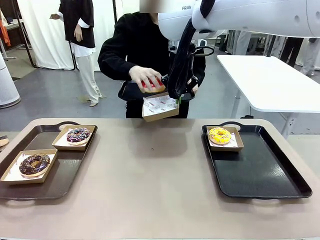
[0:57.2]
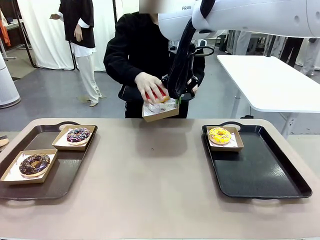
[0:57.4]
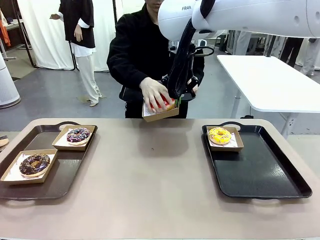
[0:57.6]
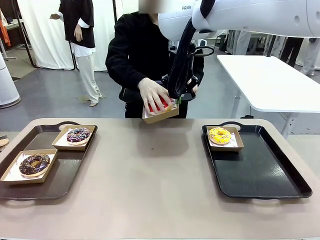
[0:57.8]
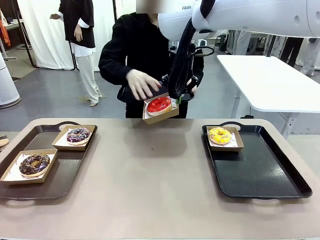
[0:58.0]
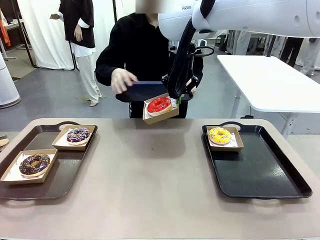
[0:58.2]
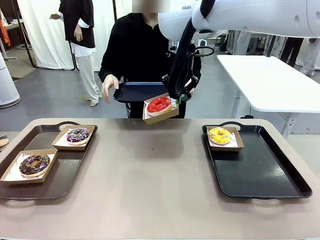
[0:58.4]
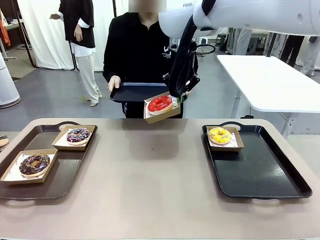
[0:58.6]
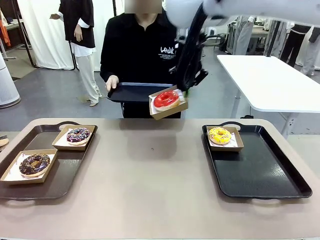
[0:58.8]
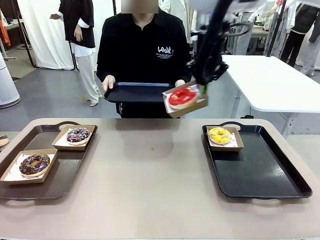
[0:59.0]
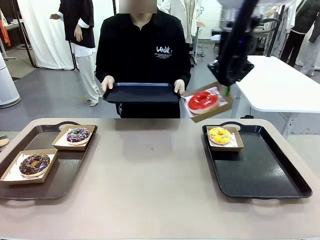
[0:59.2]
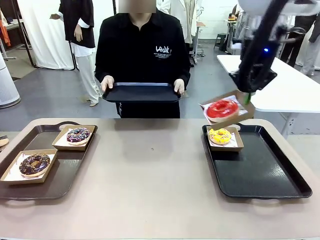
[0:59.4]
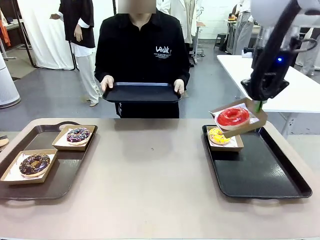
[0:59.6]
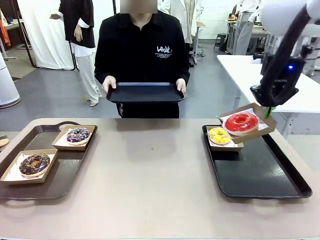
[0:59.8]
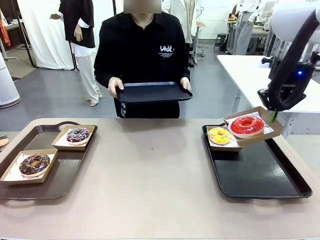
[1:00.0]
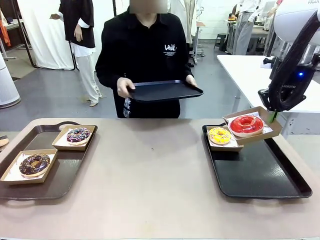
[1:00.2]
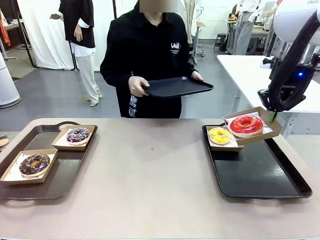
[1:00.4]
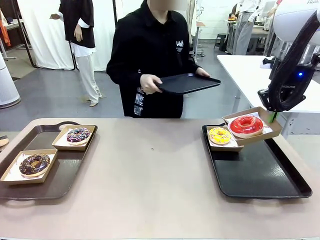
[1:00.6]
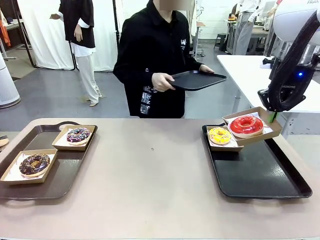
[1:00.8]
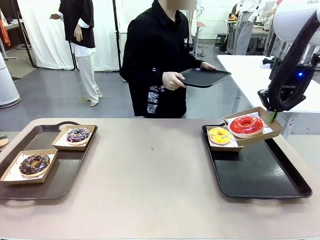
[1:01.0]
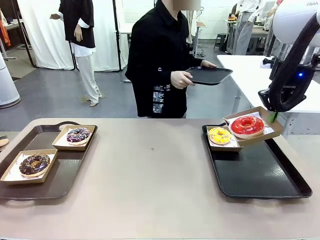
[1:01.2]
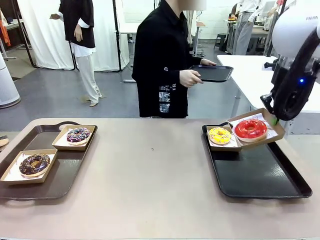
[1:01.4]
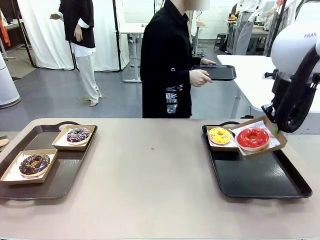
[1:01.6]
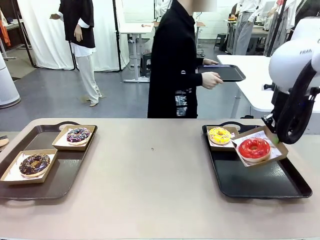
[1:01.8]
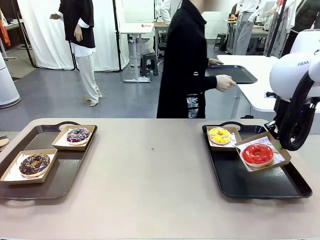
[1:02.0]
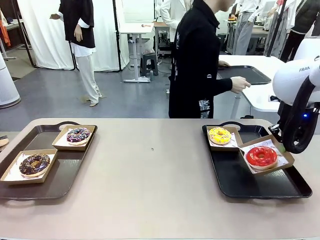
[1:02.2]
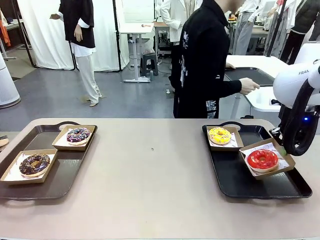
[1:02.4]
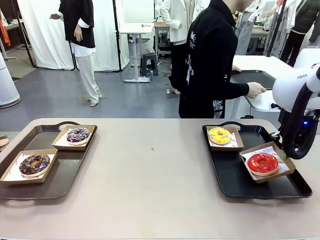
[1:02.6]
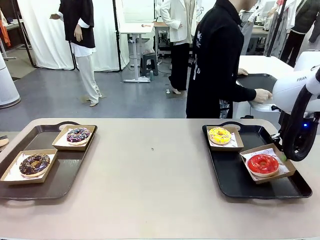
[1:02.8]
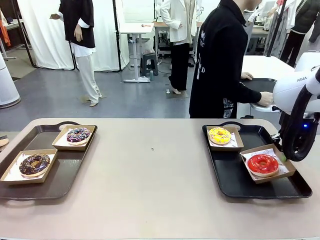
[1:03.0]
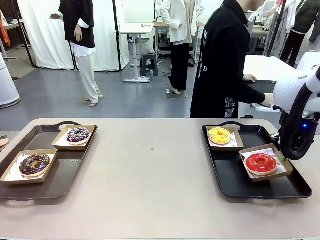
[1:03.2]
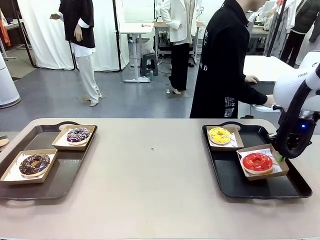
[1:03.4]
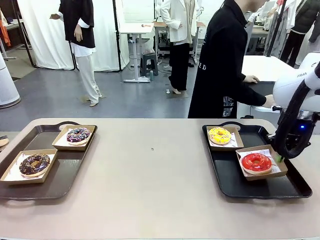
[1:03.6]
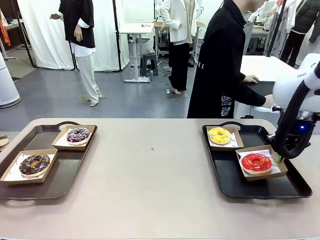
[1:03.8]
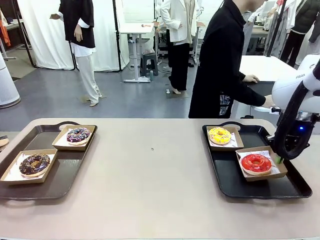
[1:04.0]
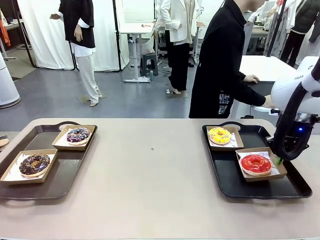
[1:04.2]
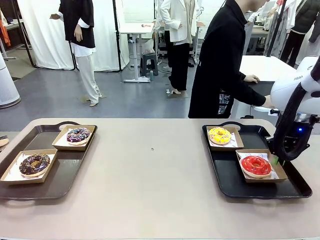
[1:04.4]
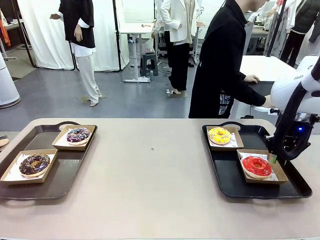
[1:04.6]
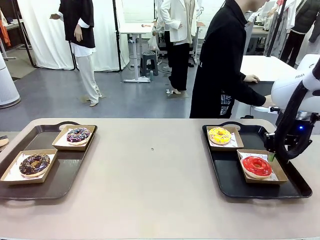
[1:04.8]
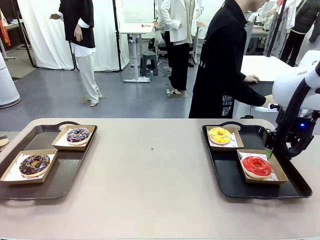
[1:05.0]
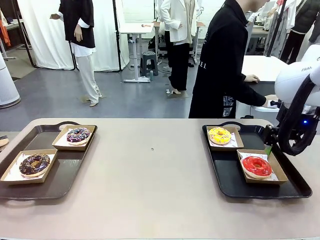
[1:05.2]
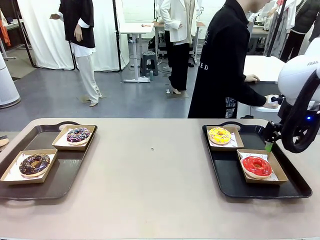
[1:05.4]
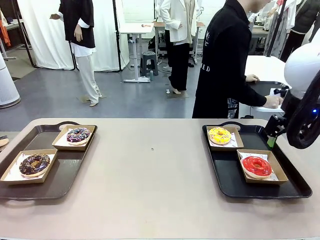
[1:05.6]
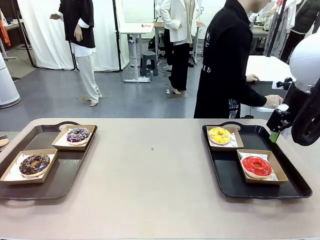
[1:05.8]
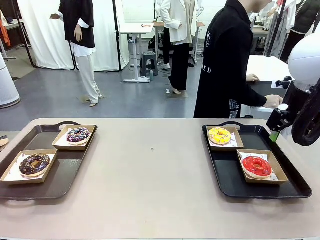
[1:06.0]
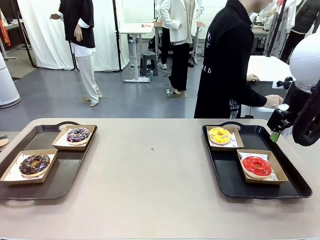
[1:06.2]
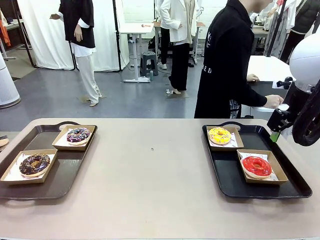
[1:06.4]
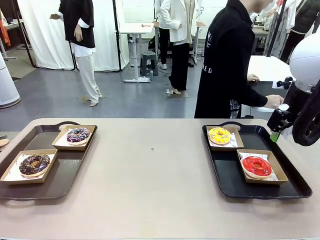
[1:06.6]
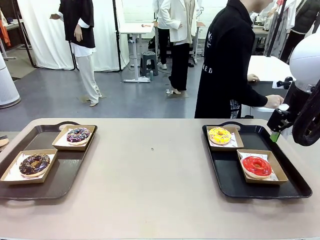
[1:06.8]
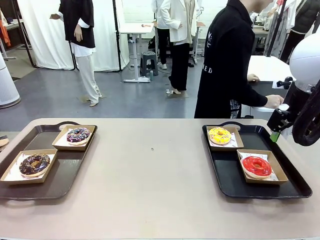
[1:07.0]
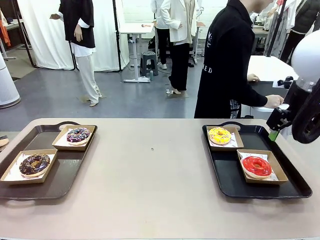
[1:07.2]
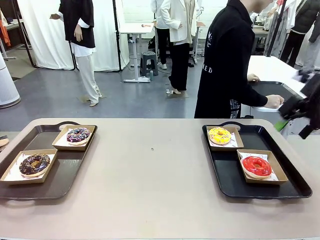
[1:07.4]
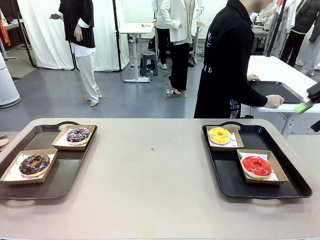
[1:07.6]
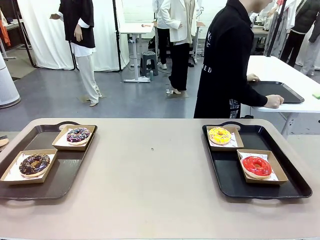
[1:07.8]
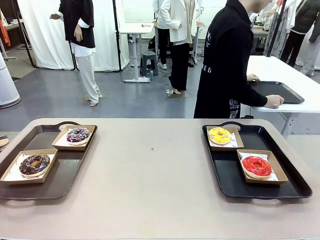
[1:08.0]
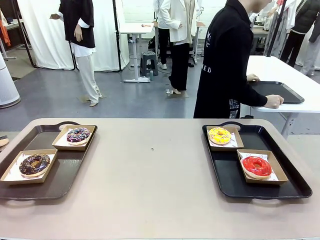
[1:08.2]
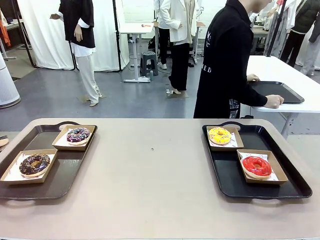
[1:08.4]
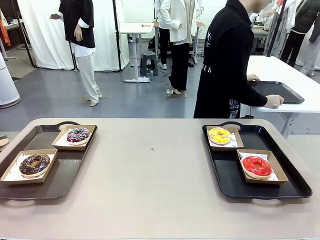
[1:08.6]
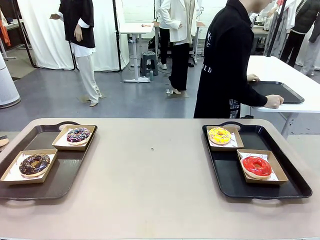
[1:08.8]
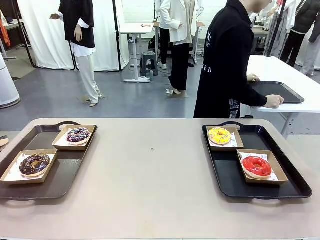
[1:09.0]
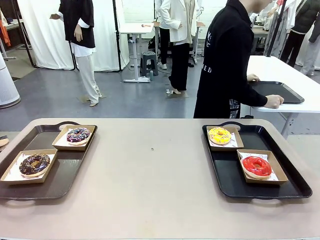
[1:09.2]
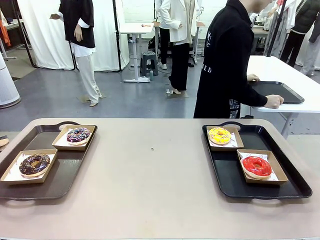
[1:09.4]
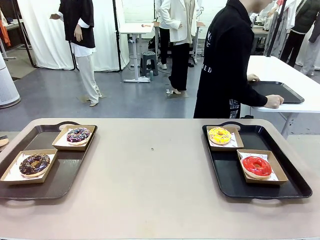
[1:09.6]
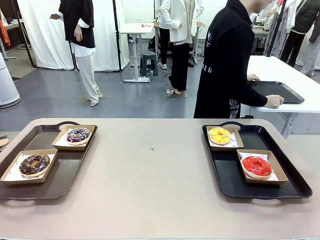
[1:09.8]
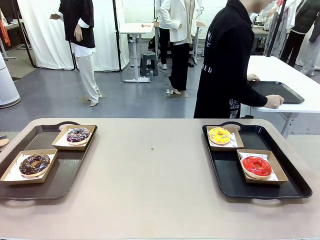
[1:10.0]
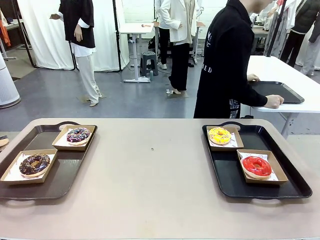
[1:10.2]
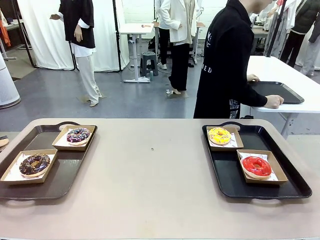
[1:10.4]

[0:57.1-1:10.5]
Task: Individually package the donuts and arrange them on the tray.
Robot: Place the picked Paper togo box on the Handle tray.
Person: Place the tray down in the middle of the human table.

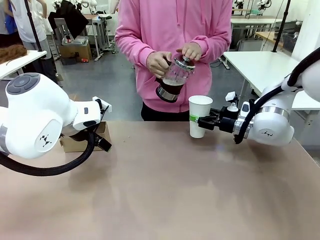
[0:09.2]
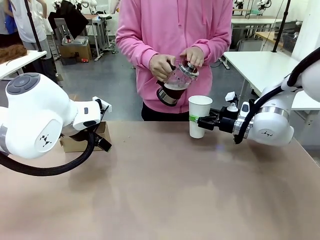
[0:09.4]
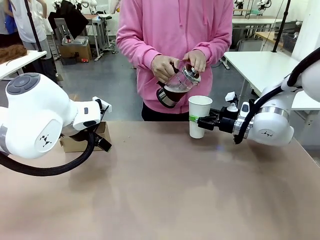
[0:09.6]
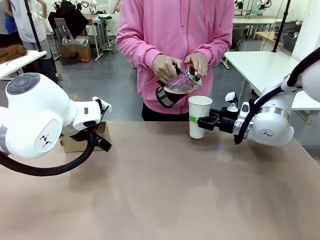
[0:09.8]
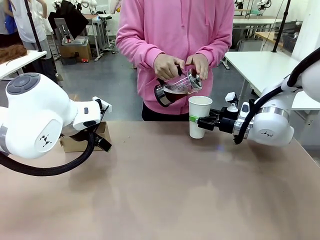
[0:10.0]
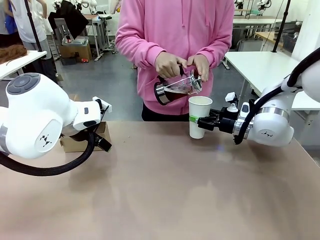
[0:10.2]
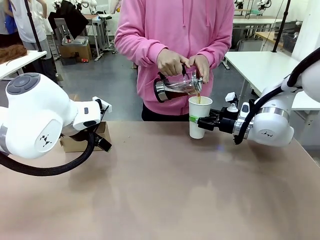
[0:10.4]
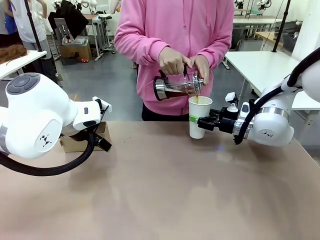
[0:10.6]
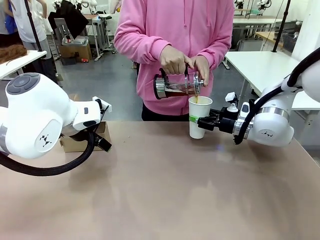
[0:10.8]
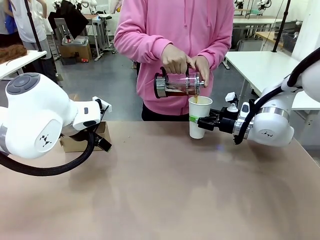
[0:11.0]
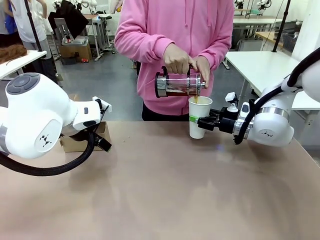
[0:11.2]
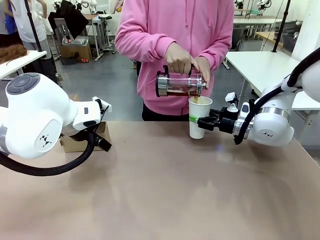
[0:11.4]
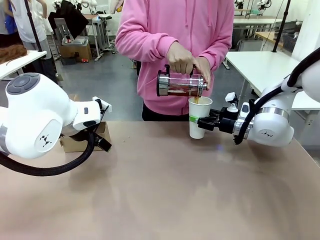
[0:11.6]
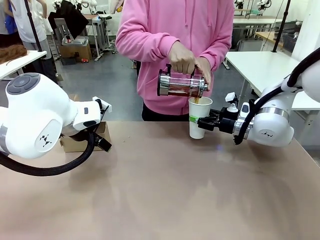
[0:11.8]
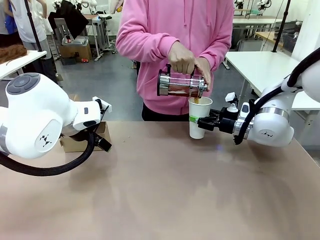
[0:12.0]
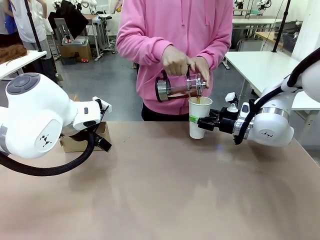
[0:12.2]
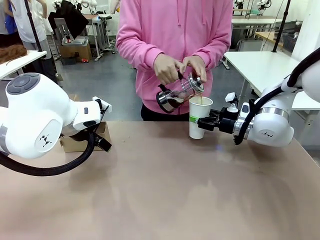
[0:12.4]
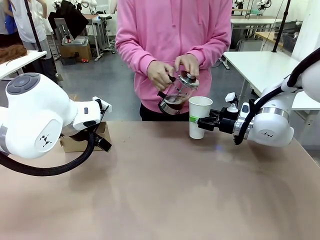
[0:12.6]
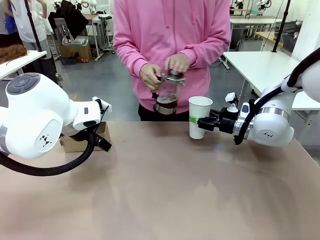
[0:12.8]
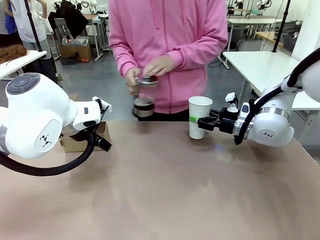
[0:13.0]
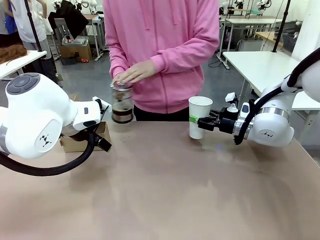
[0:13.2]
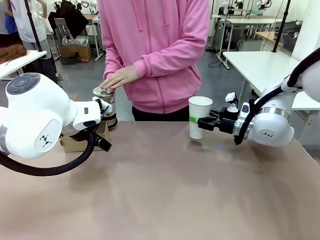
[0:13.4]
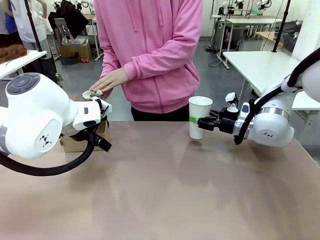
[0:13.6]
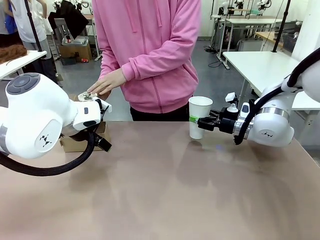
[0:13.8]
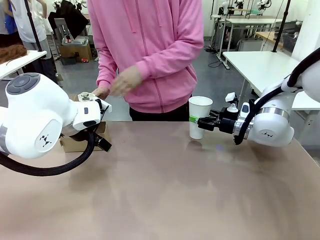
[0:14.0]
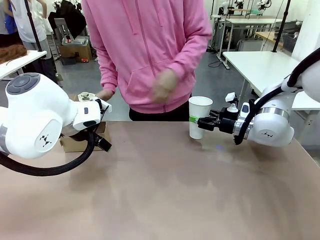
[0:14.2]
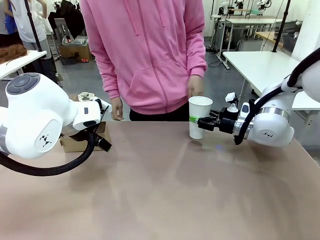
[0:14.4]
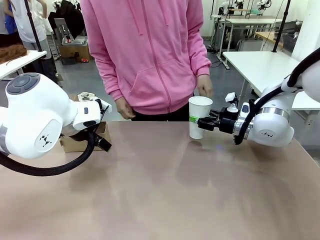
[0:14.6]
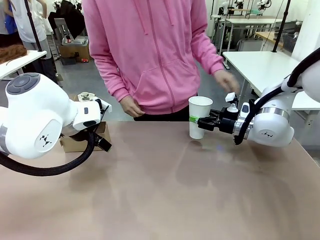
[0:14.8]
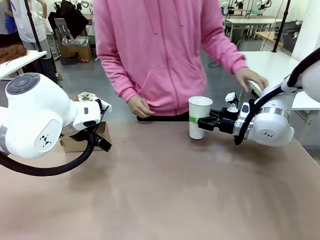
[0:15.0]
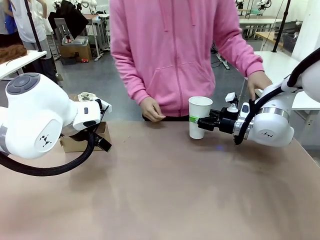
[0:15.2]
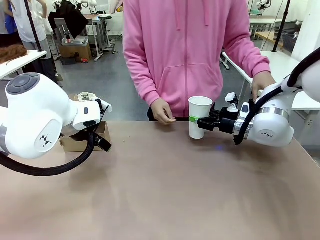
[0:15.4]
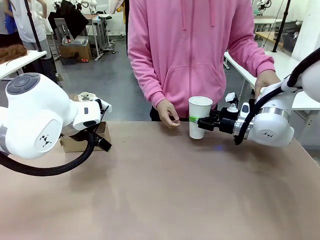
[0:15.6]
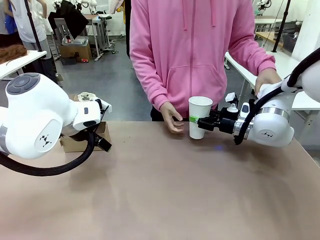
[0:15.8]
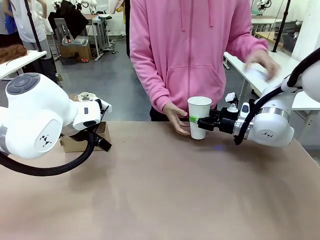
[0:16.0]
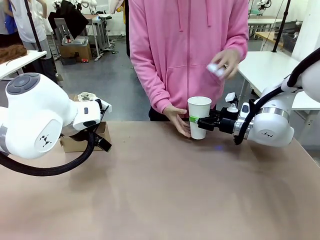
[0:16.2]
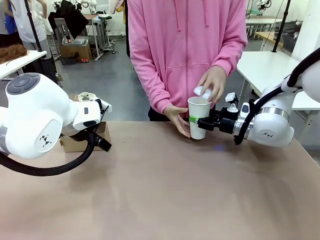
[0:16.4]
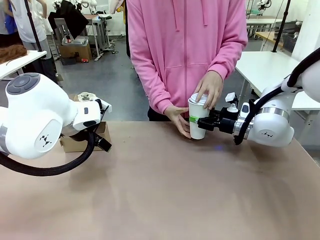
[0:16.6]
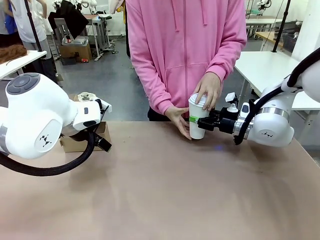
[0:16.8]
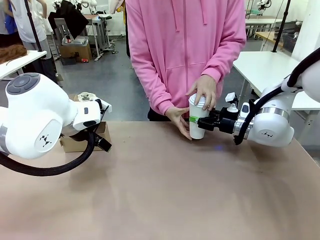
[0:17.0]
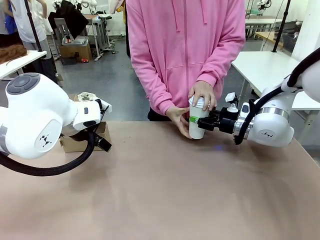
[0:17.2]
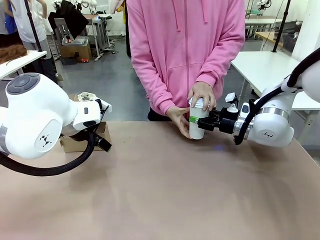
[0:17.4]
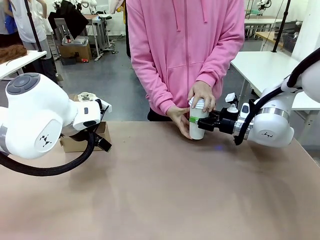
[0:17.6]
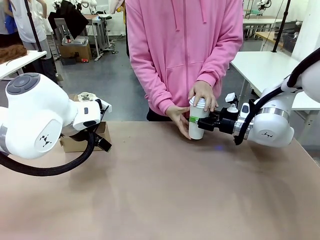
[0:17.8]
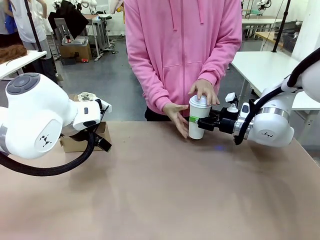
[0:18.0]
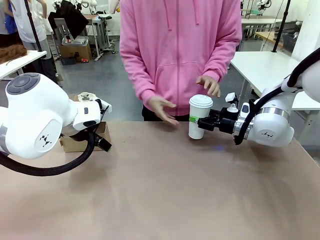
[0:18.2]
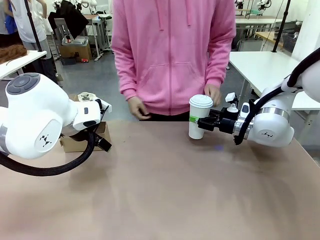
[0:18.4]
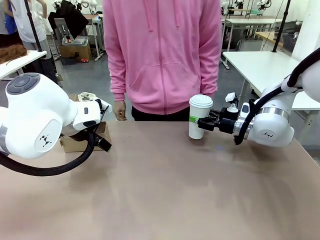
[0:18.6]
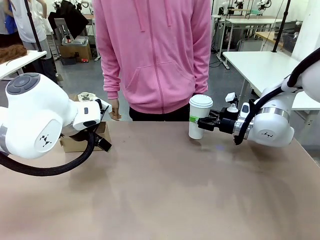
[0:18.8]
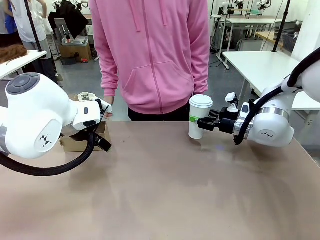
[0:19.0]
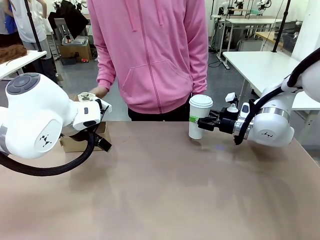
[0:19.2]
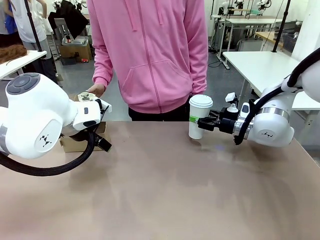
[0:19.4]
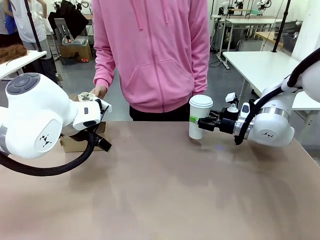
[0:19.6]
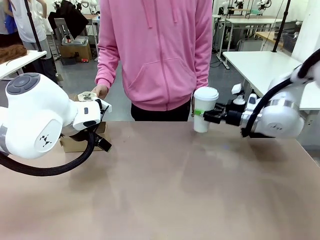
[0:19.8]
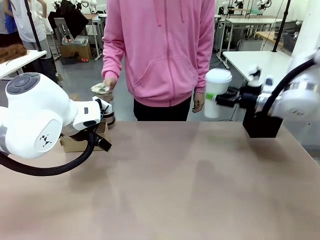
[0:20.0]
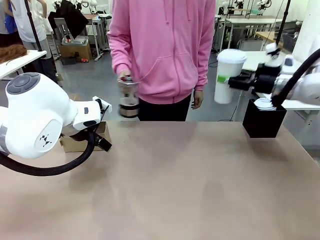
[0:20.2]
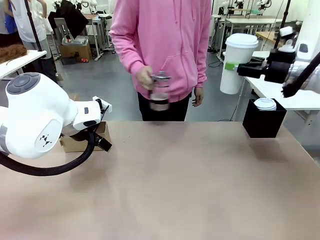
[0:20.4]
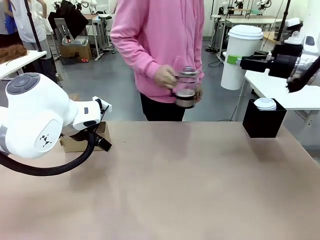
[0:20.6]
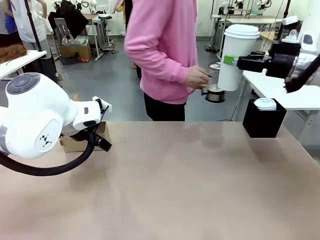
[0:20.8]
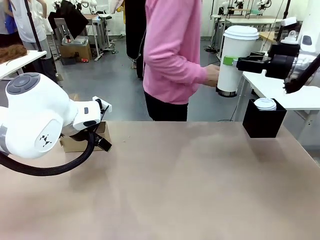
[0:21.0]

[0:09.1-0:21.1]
Task: Pour a drink into a cup and package it in a carrier.
Robot: When a person places the Paper Cup Lid on the 600 ml Paper Cup , lift the 600 ml Paper Cup.
Person: Pour the drink from the Filter Brewing into the 600 ml Paper Cup. Place a Paper Cup Lid on the 600 ml Paper Cup.
